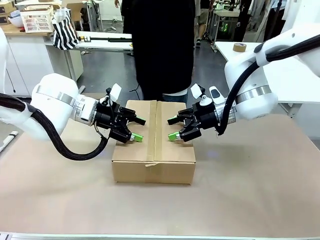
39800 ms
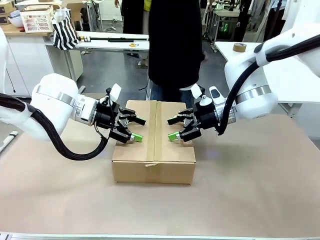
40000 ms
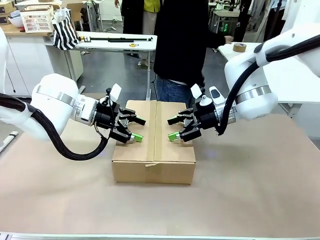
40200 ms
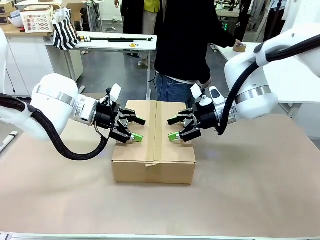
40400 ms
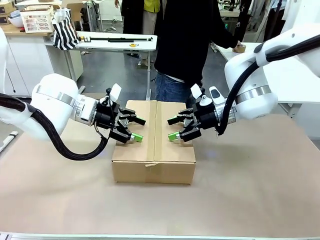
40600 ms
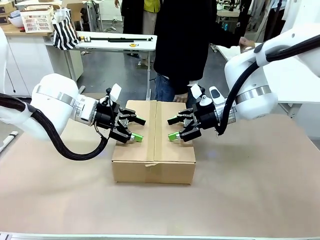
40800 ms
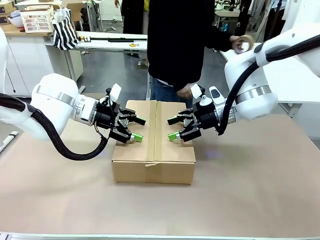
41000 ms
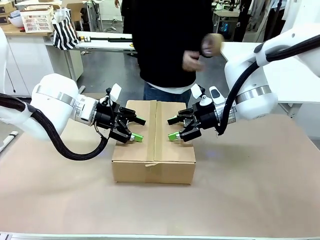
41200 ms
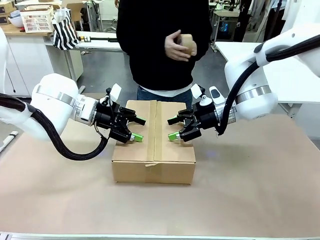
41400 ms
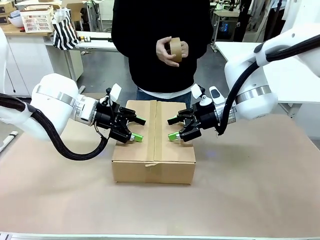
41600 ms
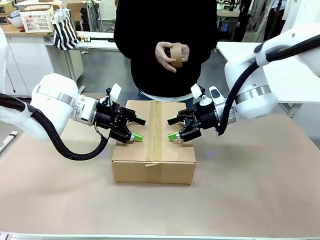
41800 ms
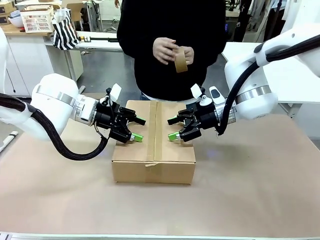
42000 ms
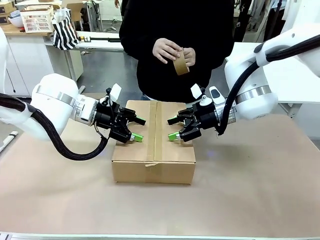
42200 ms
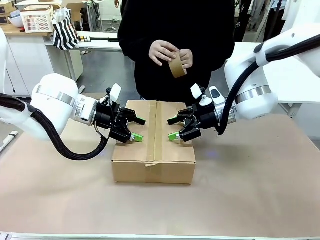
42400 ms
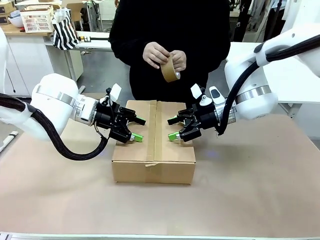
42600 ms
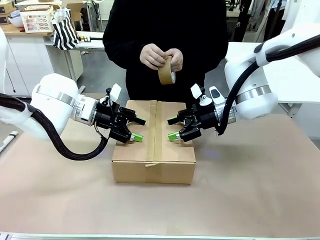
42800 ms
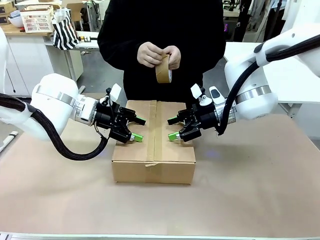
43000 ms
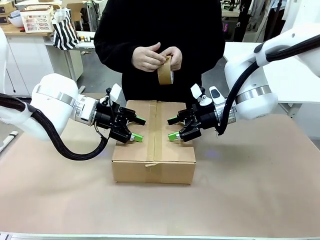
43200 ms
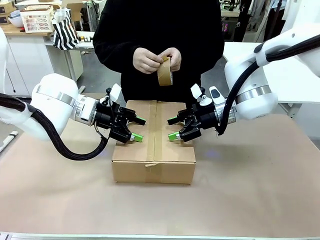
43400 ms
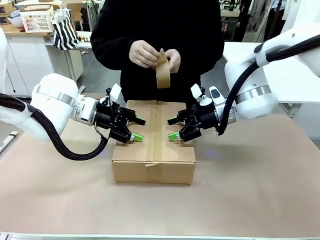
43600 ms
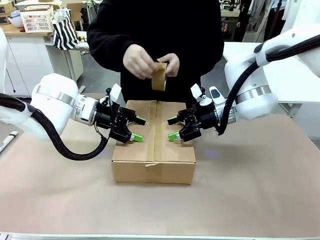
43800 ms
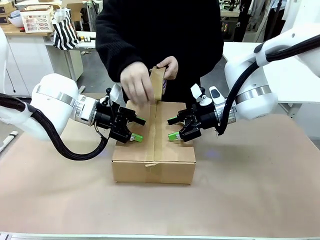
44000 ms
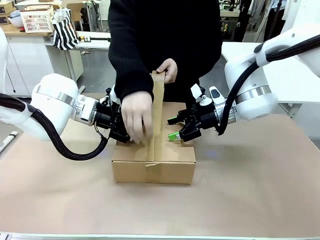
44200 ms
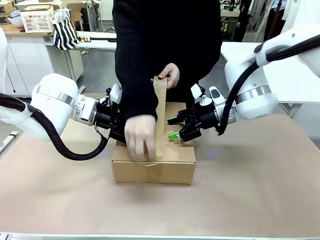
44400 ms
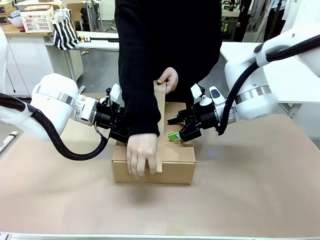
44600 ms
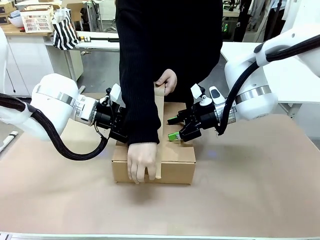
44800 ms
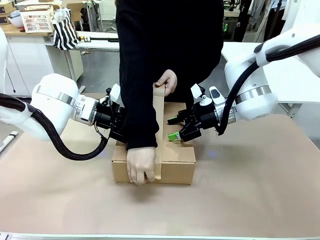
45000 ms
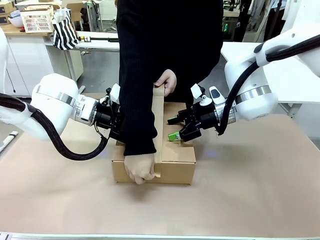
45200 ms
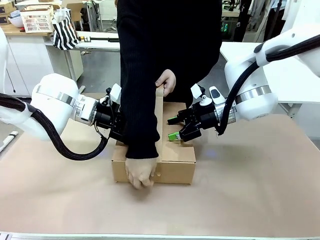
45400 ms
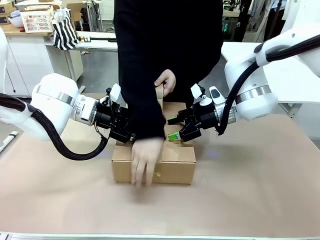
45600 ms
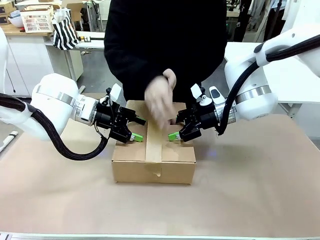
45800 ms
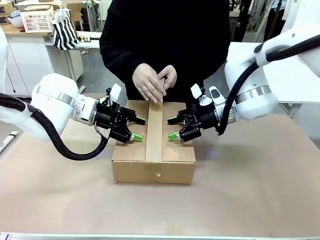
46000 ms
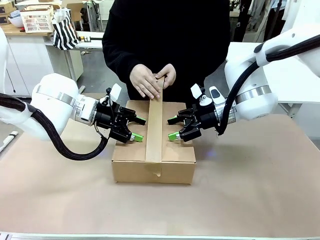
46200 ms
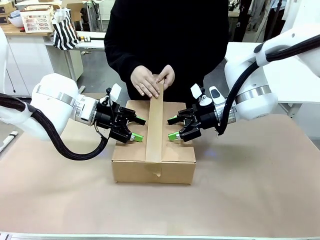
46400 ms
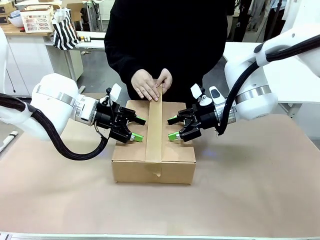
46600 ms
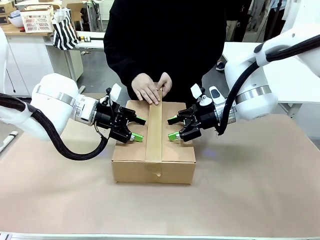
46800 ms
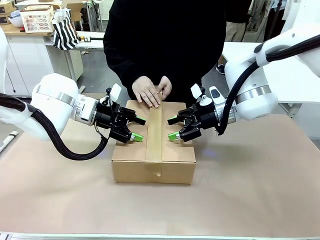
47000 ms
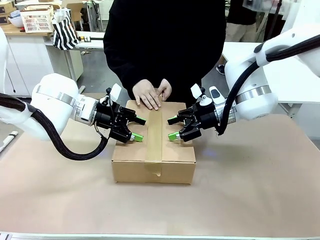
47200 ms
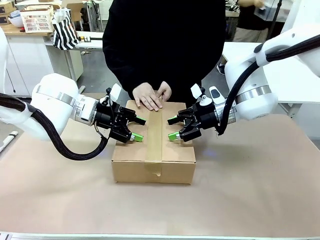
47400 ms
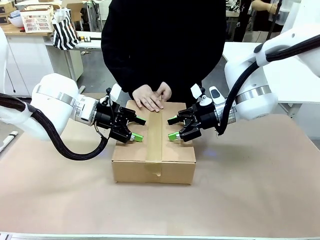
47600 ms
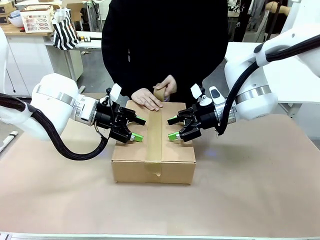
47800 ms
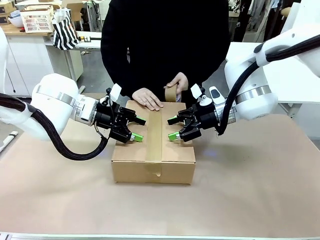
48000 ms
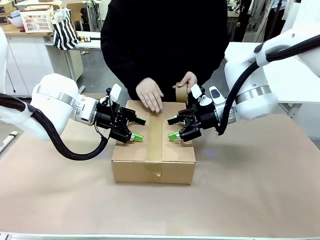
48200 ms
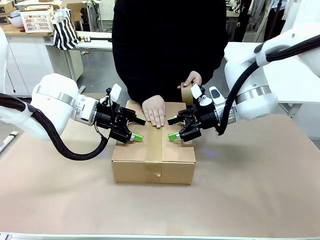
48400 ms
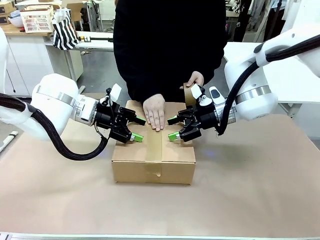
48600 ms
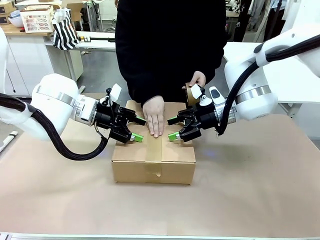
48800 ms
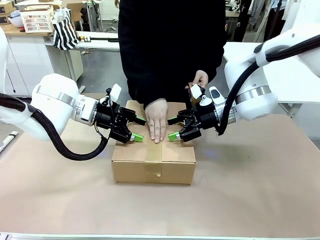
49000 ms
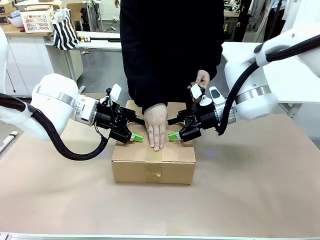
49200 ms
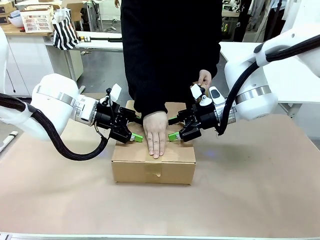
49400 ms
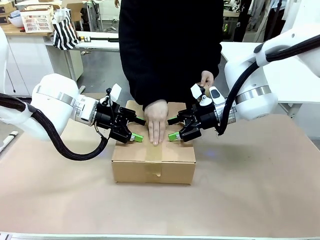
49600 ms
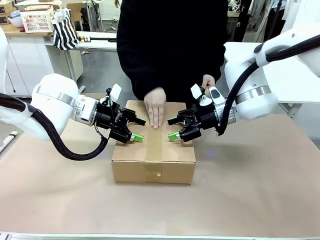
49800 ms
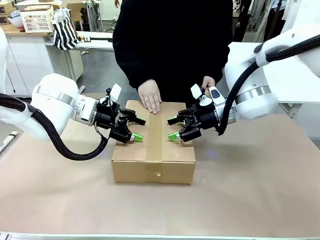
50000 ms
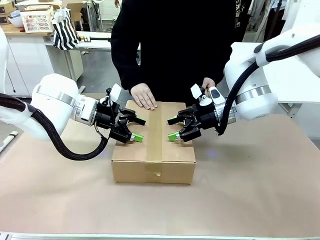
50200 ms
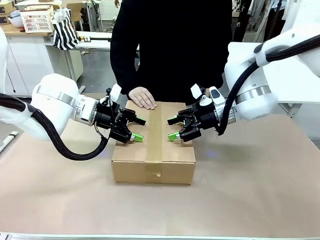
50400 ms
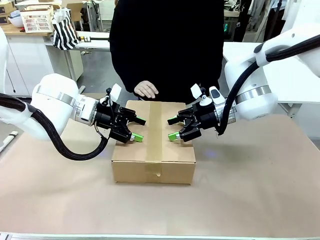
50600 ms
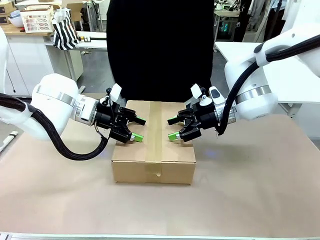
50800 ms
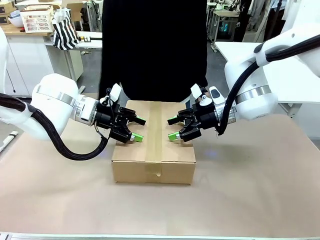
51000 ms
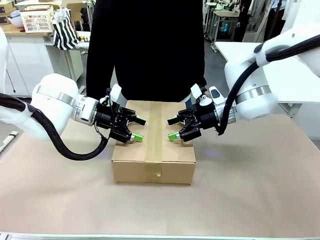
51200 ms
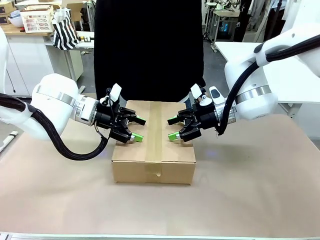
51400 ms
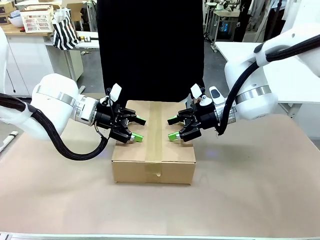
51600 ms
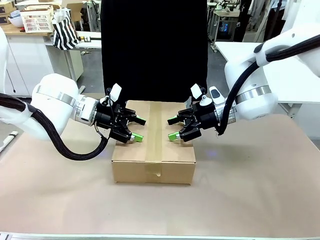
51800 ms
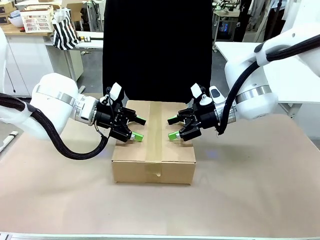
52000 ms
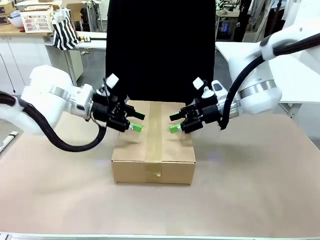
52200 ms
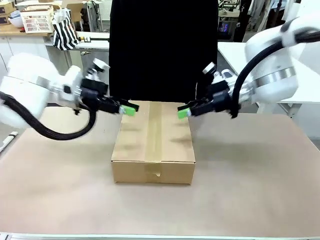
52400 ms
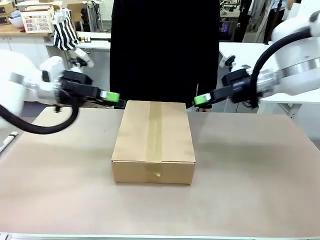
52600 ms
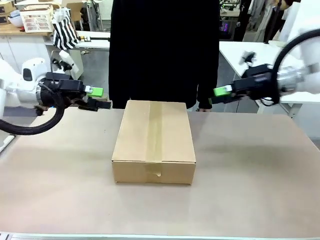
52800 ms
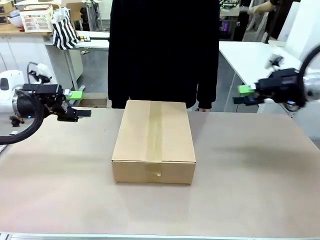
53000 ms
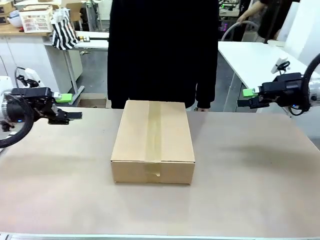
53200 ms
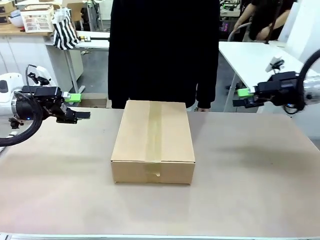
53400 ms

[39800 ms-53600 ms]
Task: Pack the gift set into the box.
Robot: Press and hold the closed box until the human finishes sealing it.
Person: The human picks up the paper tape from the human table and packs the box.
